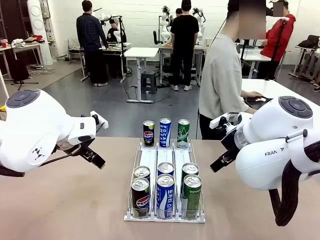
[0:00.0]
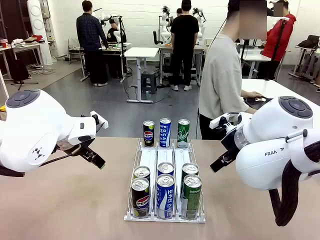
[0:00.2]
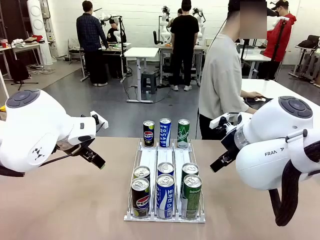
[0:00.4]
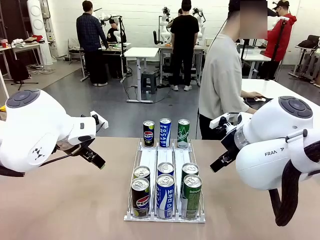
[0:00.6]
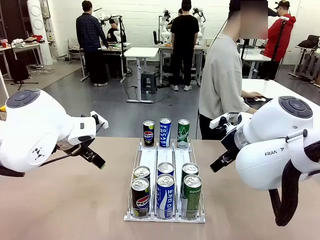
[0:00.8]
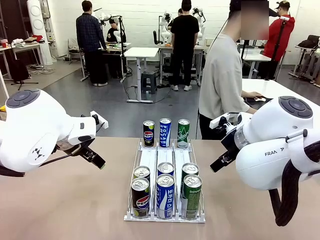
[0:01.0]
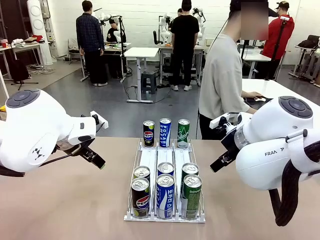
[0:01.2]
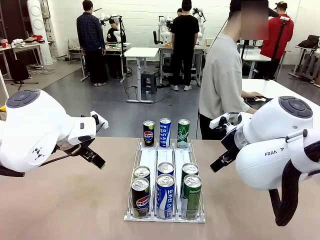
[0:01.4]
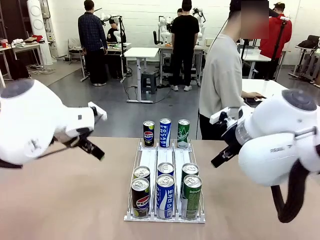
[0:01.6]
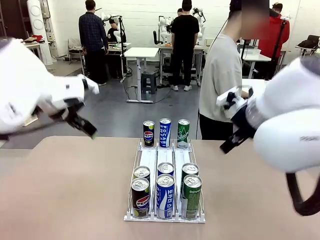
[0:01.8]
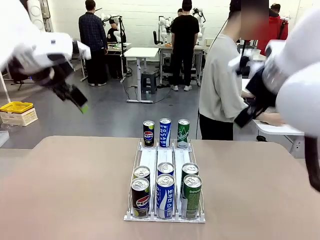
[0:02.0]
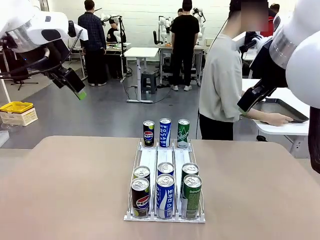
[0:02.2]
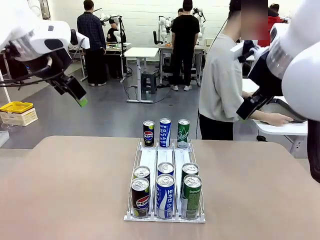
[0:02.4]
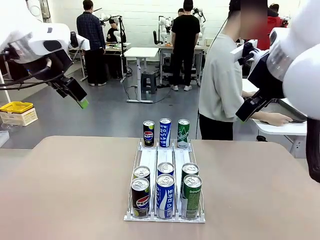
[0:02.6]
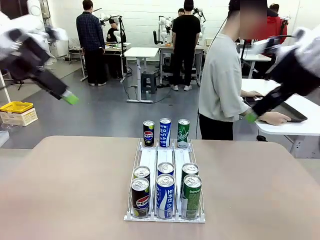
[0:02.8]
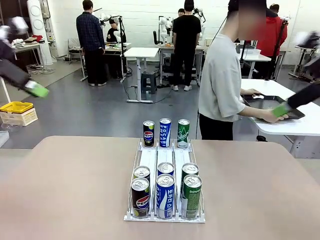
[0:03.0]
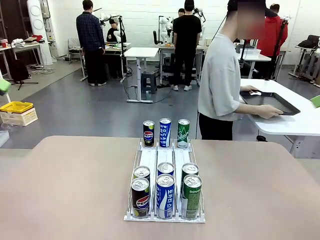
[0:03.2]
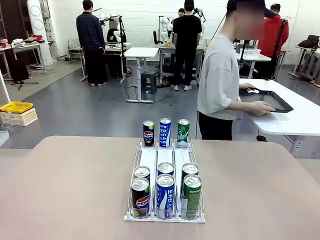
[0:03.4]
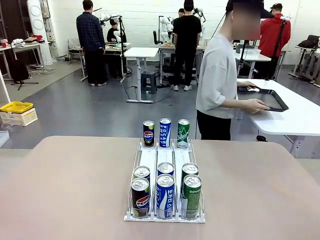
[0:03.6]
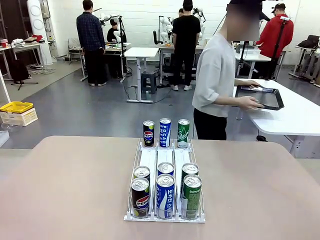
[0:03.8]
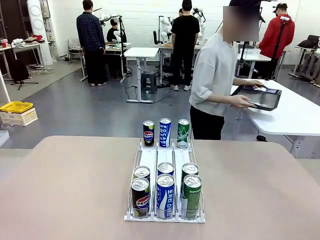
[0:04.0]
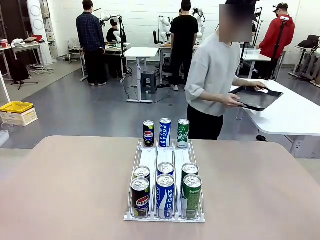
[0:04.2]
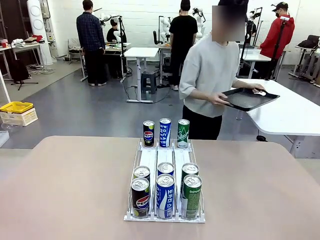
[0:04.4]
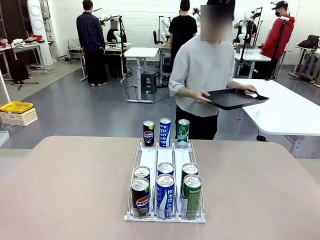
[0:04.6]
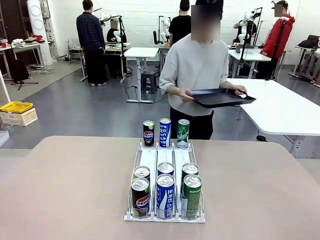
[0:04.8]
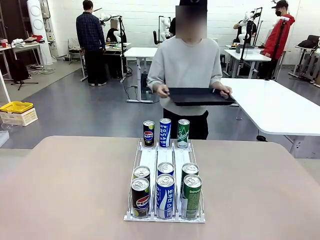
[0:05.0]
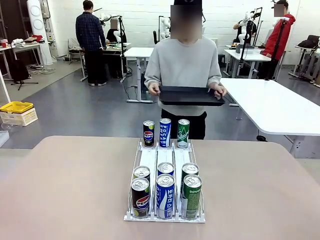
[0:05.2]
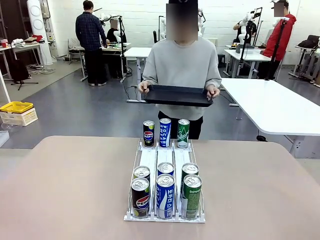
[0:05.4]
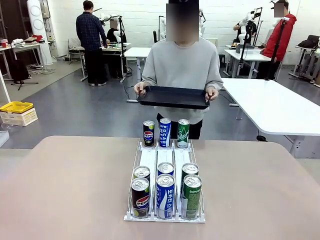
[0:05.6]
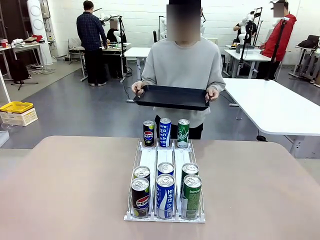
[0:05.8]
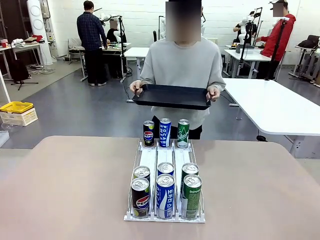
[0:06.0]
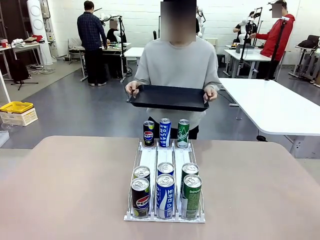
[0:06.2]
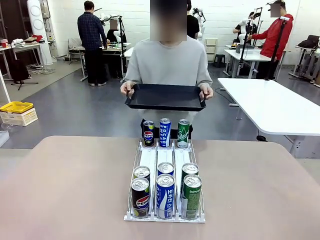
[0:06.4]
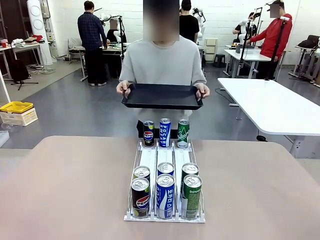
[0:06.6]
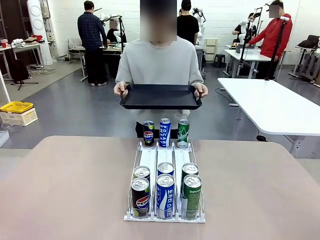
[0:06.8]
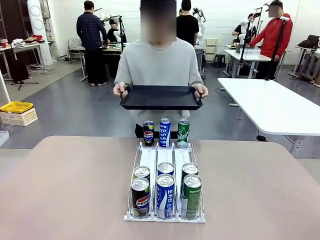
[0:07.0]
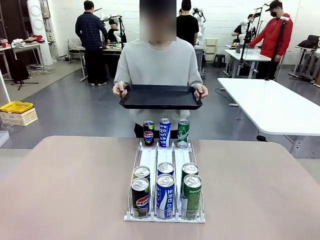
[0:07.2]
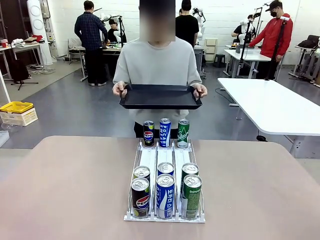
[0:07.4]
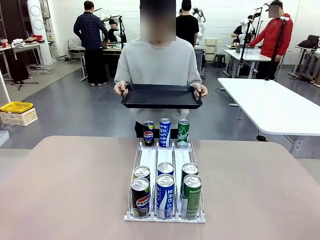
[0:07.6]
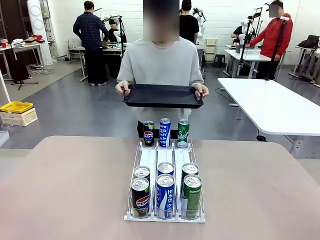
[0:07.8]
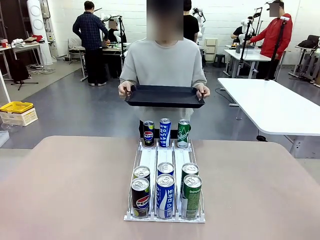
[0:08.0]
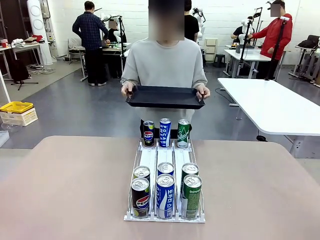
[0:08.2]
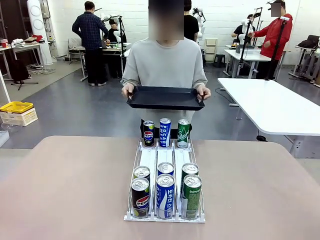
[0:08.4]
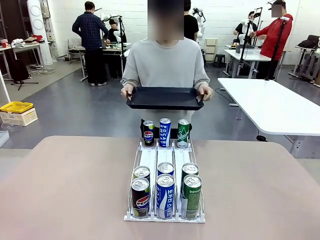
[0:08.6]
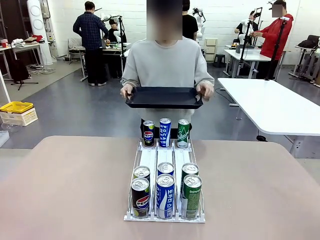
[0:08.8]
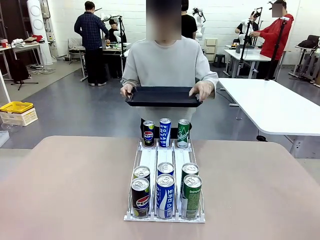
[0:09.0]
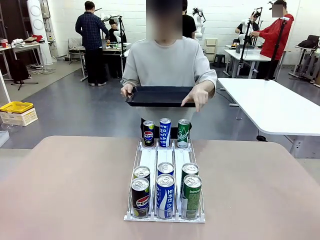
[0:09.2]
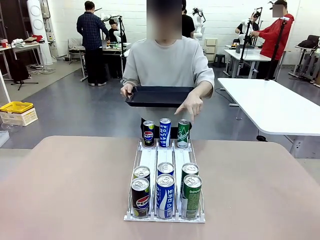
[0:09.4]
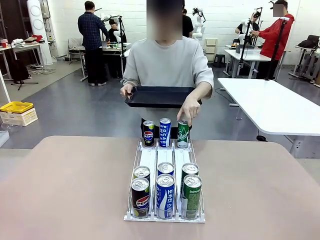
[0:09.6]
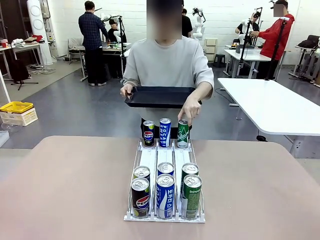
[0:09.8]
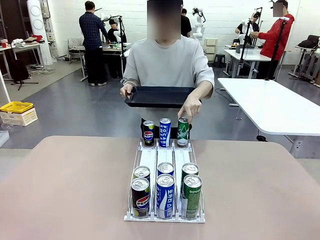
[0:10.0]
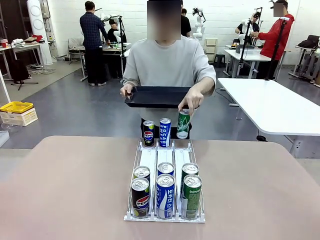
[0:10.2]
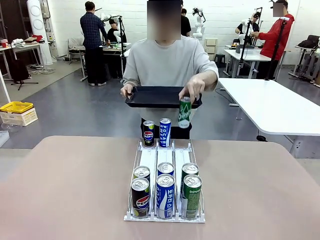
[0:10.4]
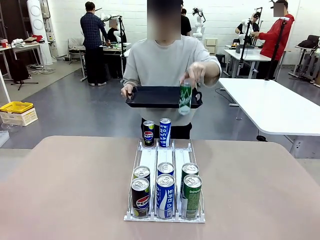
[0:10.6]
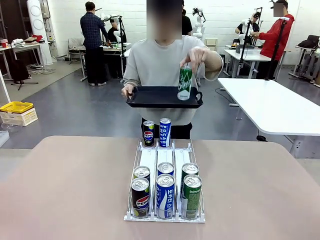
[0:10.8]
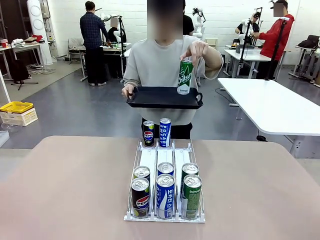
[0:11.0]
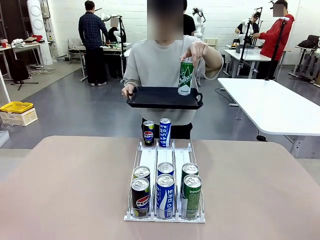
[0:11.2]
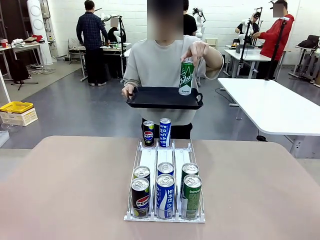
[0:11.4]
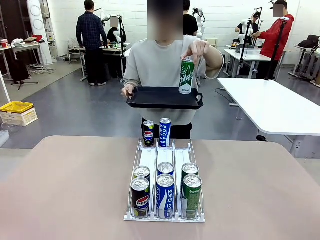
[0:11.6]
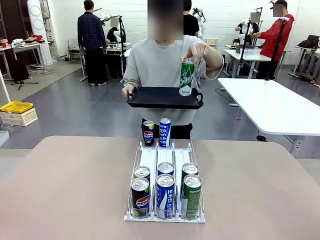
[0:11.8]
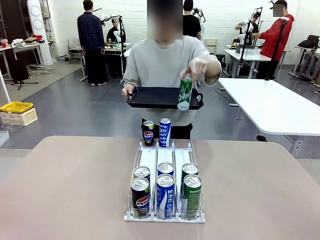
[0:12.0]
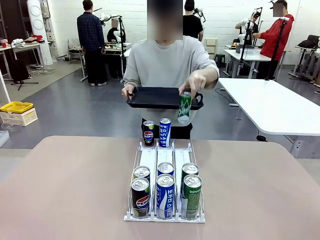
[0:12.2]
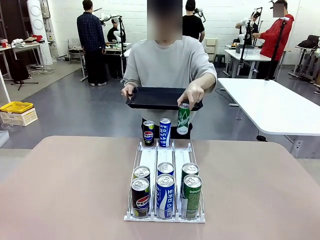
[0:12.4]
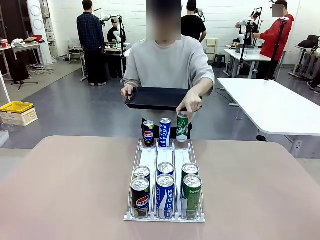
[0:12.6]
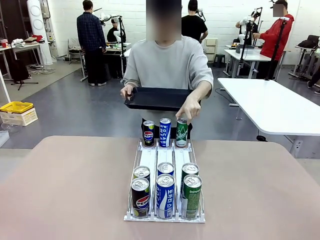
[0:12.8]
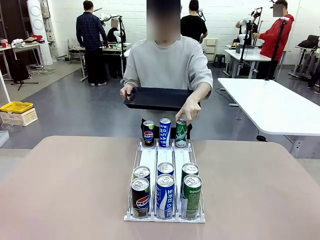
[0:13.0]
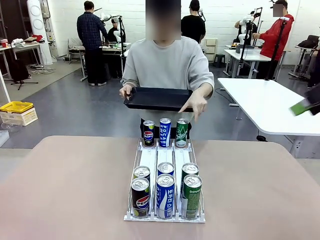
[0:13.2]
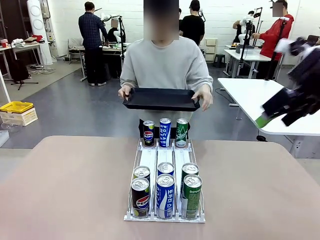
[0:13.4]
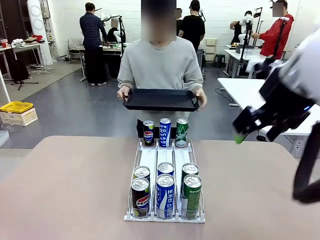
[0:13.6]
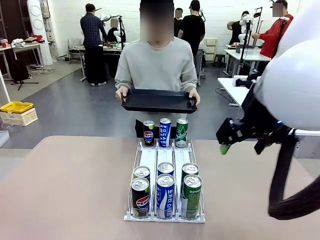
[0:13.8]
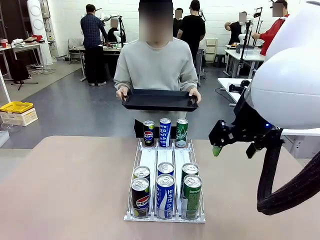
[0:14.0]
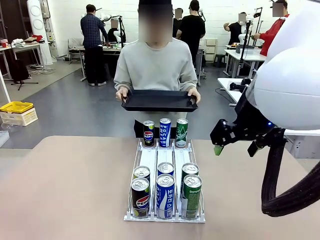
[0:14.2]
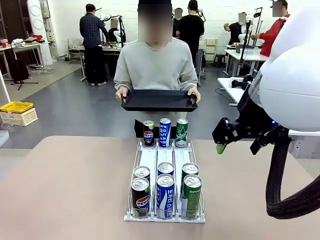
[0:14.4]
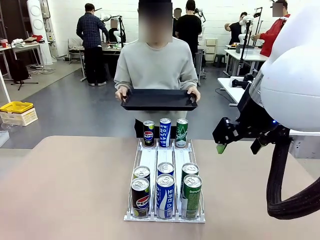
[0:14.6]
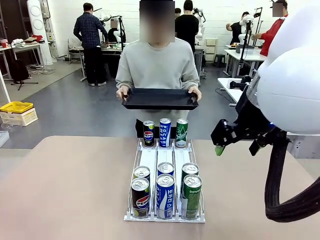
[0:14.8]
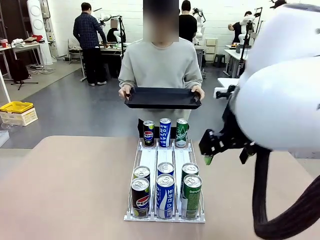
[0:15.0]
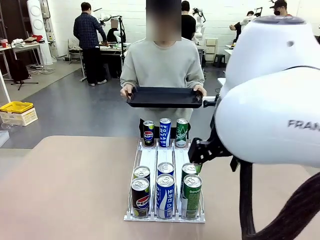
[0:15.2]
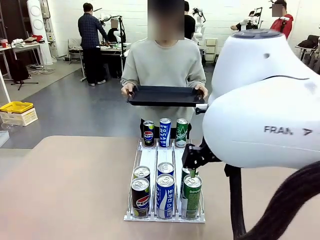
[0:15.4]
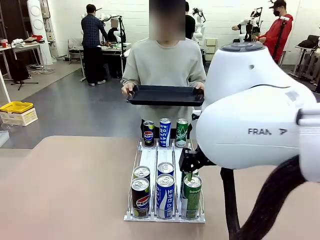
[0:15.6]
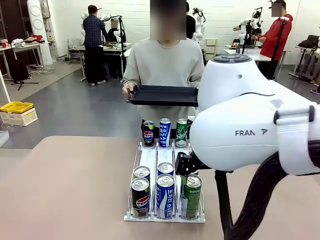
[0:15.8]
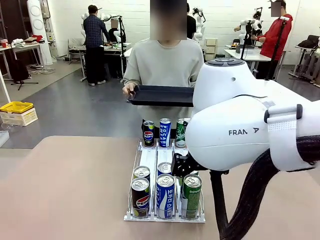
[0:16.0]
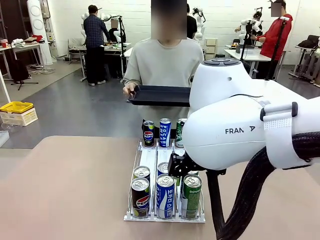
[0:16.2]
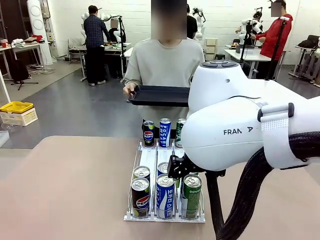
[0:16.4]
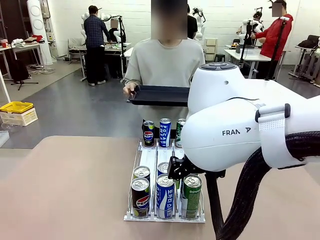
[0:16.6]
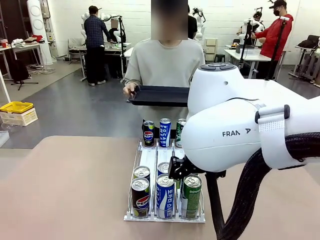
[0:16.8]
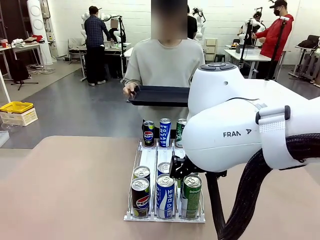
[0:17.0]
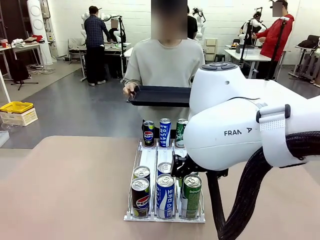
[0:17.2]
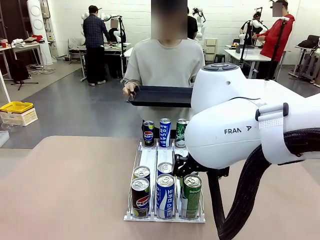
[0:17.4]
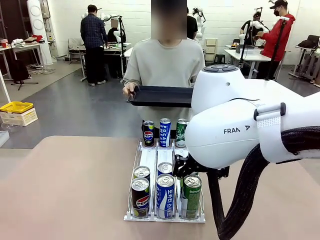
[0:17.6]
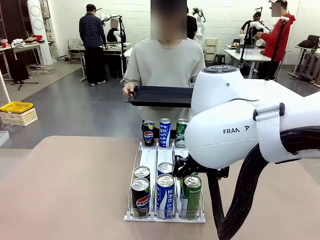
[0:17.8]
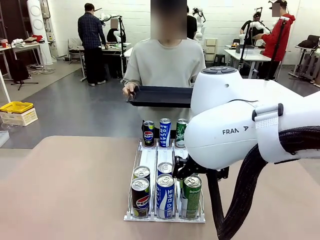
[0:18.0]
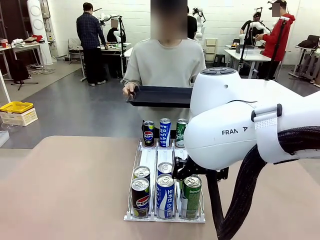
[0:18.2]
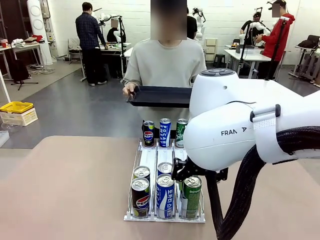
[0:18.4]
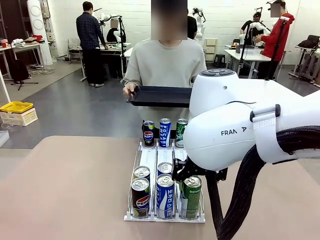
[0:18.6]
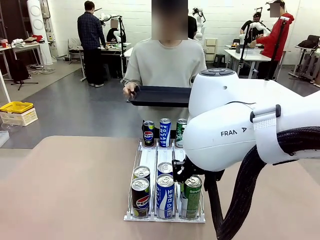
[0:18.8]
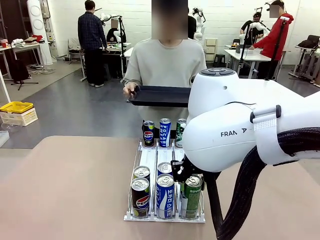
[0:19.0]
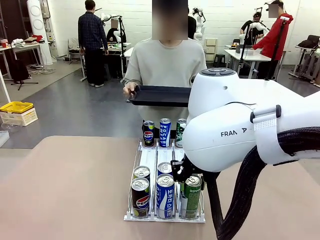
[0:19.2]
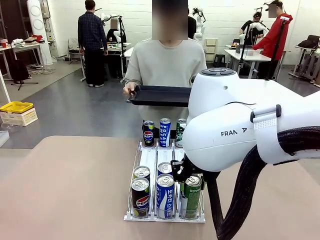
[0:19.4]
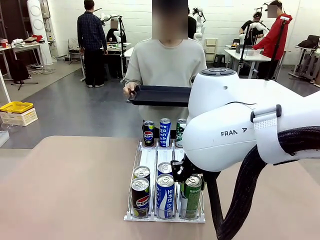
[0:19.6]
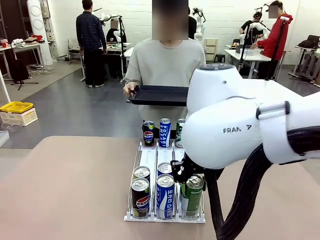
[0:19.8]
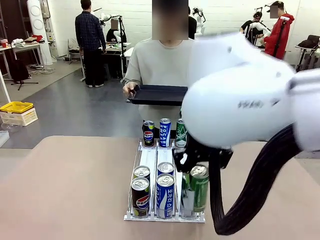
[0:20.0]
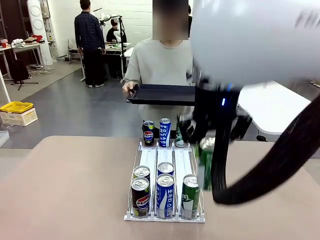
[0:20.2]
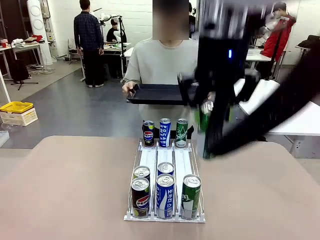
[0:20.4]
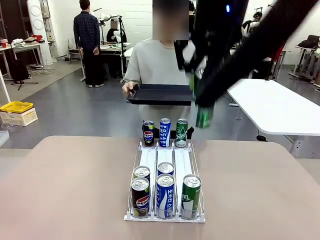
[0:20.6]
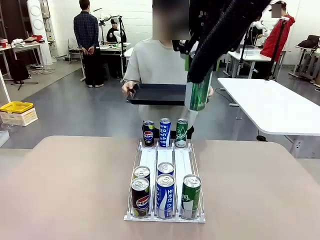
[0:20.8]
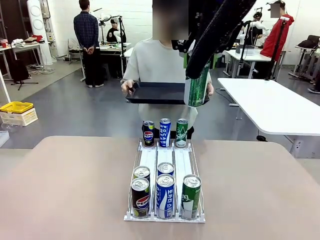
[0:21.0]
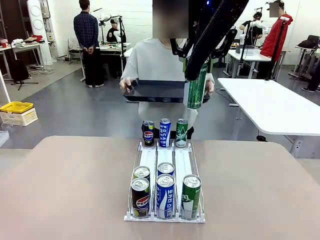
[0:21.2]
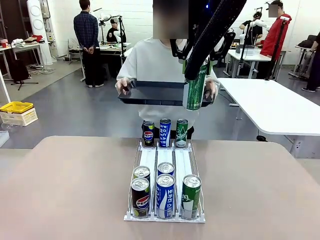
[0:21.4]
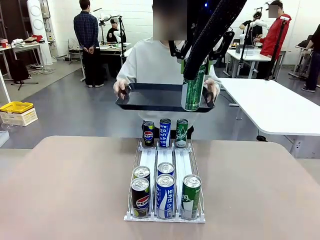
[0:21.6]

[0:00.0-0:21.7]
Task: Retrieve and hand over the desired beverage to the person.
Robot: Pick up a can of the same type that the person held from the Automatic Can Dispenser.
Person: Hold the tray and position yourself in front of the robot table. Pick up one can from the bottom area of the table and puts it back in its original place. Push the tray toward the robot.
